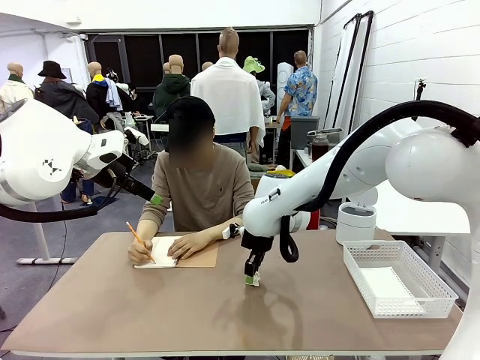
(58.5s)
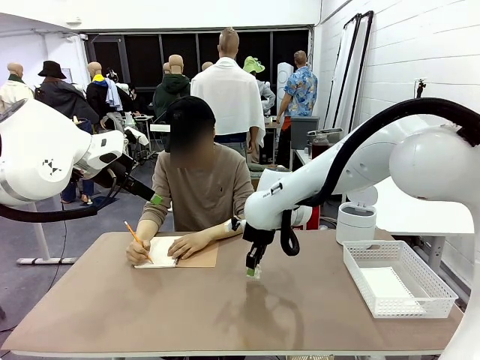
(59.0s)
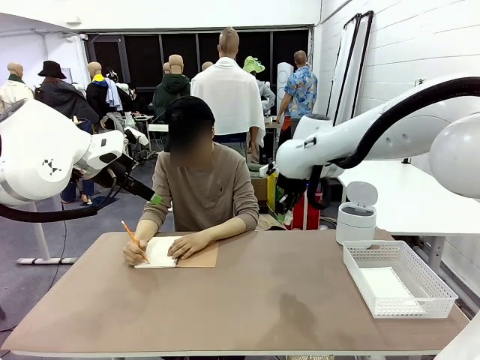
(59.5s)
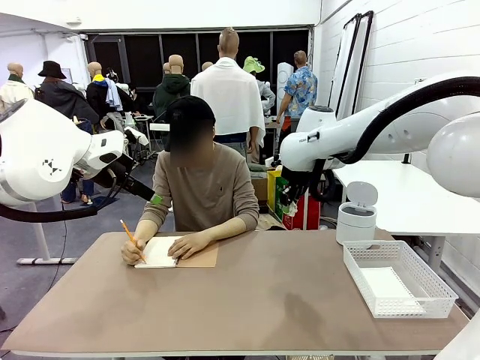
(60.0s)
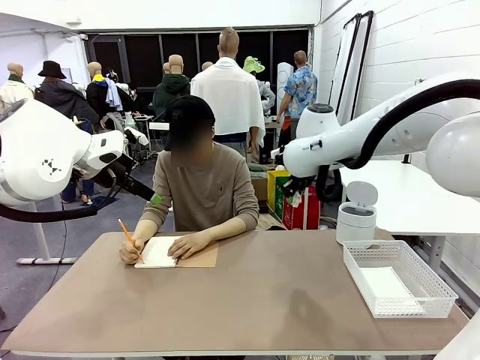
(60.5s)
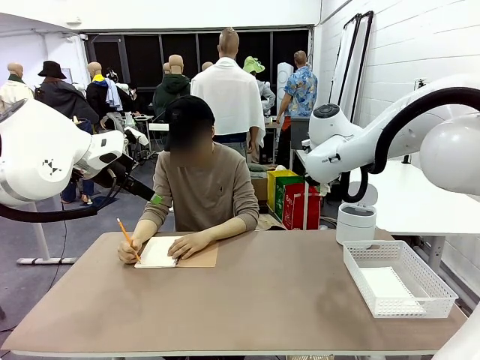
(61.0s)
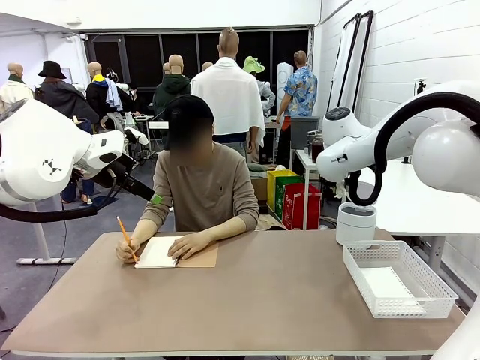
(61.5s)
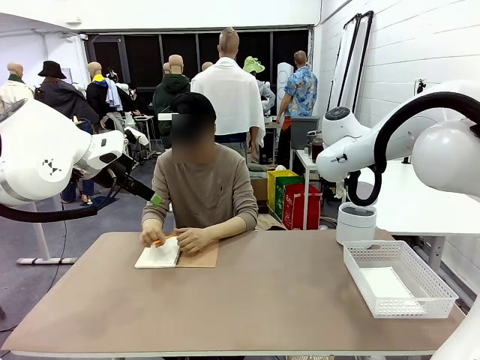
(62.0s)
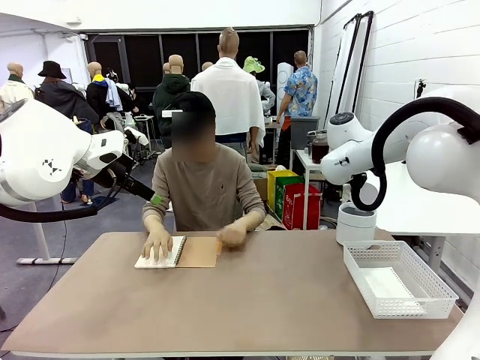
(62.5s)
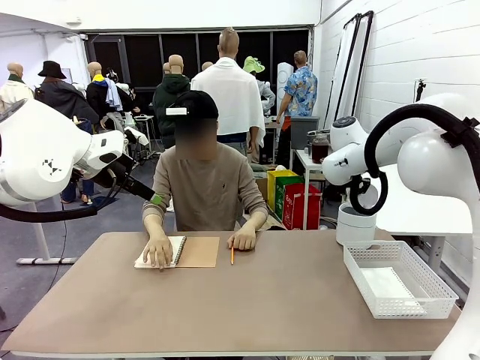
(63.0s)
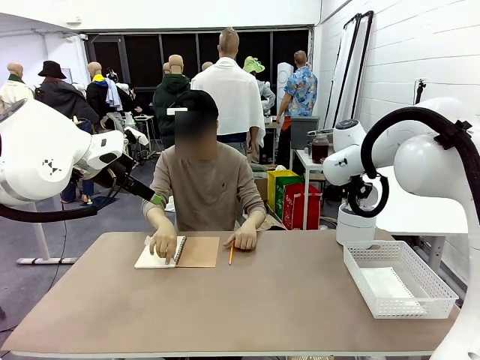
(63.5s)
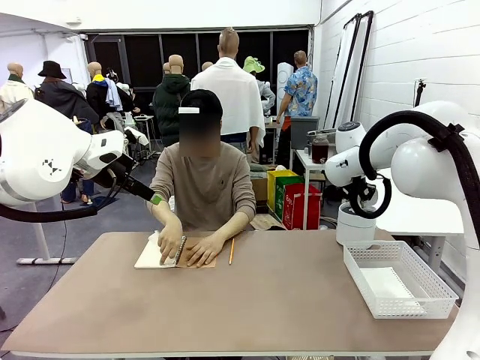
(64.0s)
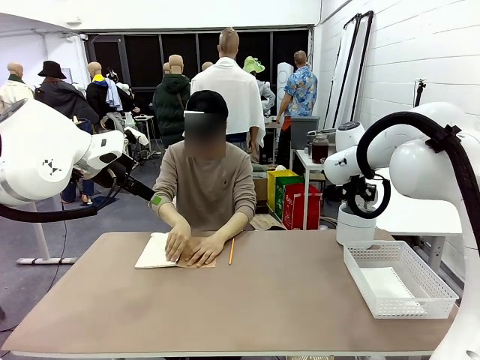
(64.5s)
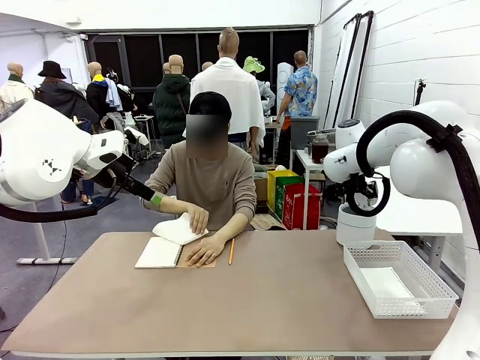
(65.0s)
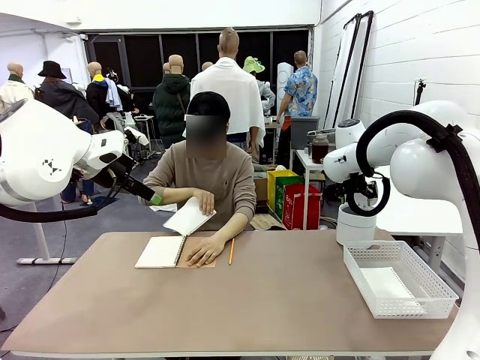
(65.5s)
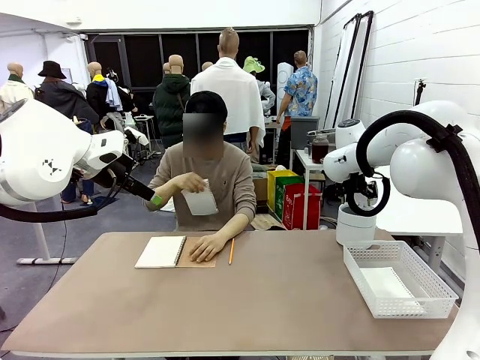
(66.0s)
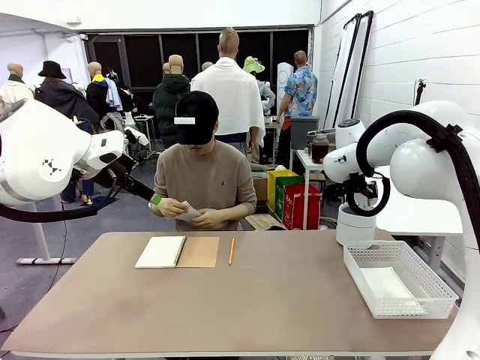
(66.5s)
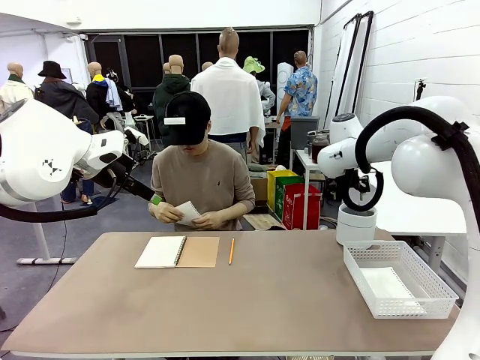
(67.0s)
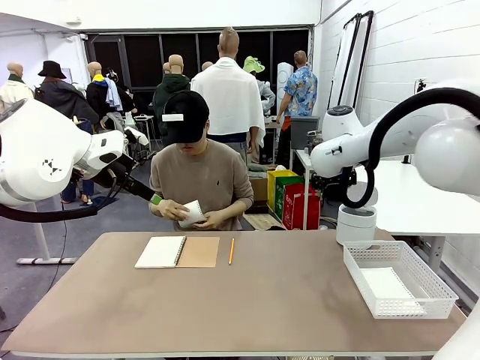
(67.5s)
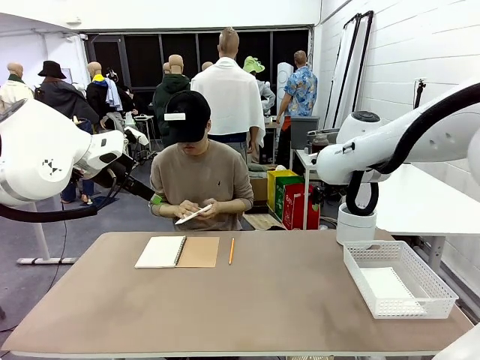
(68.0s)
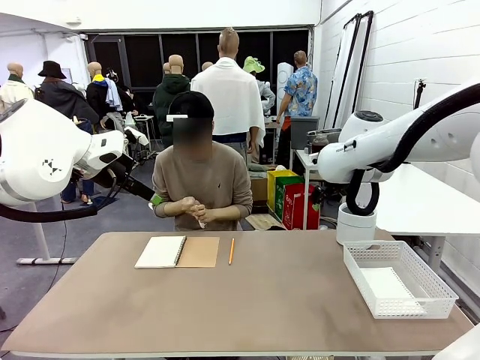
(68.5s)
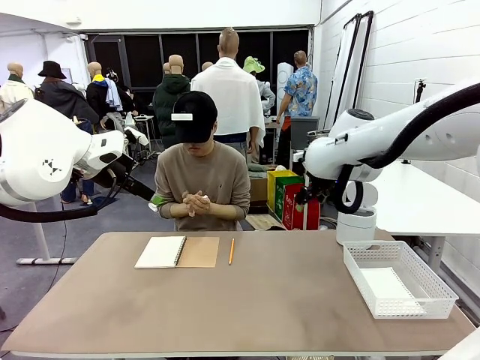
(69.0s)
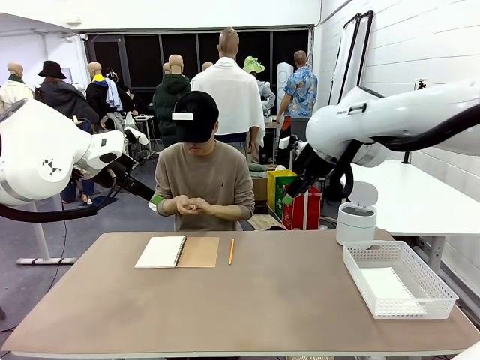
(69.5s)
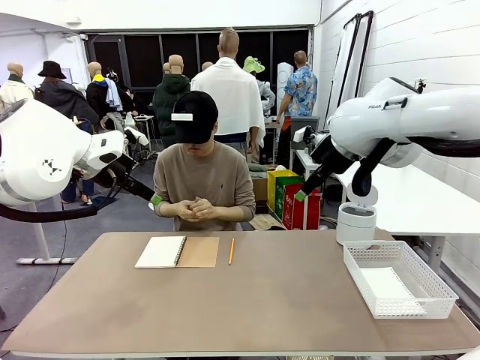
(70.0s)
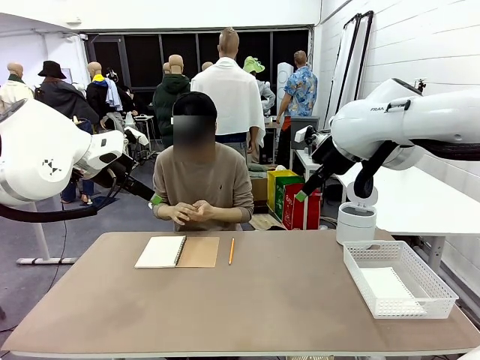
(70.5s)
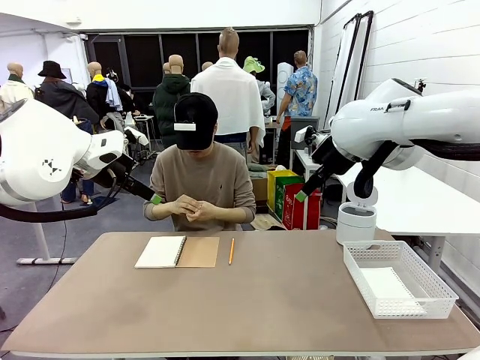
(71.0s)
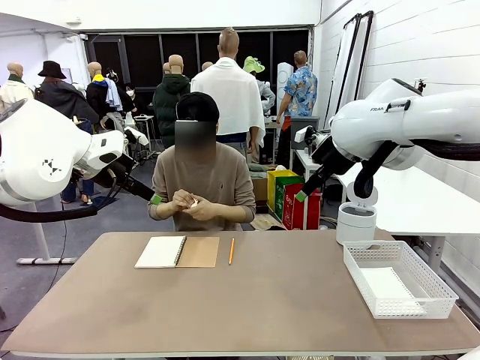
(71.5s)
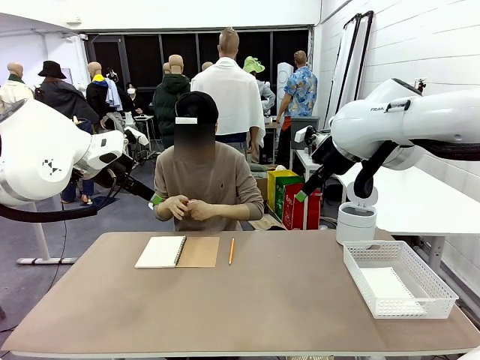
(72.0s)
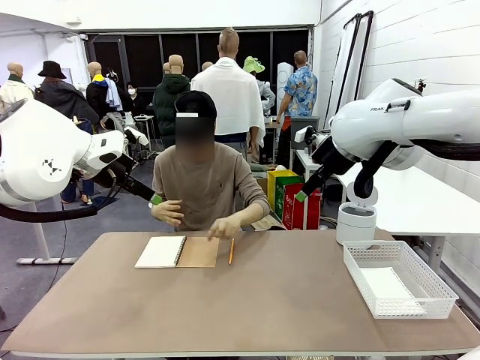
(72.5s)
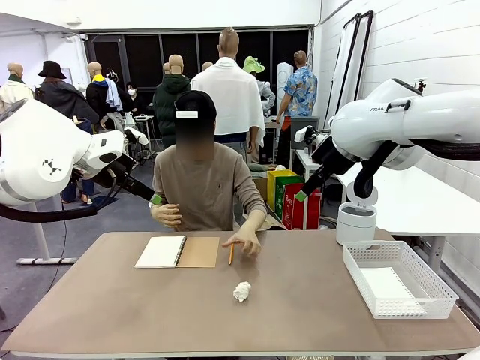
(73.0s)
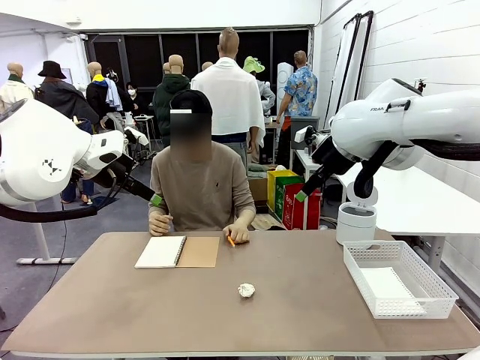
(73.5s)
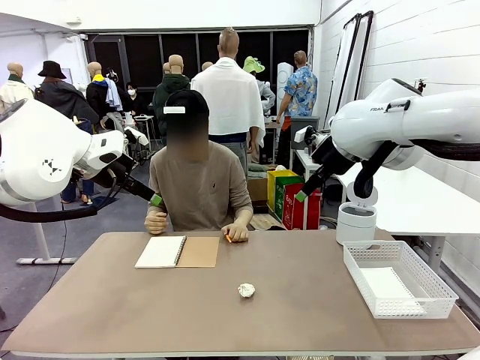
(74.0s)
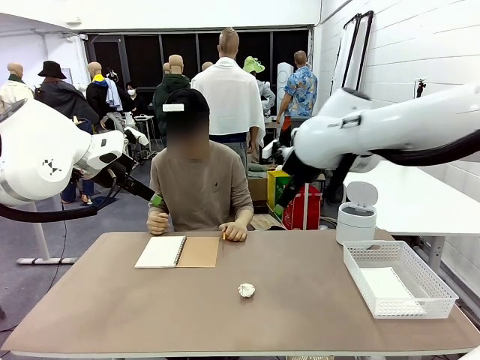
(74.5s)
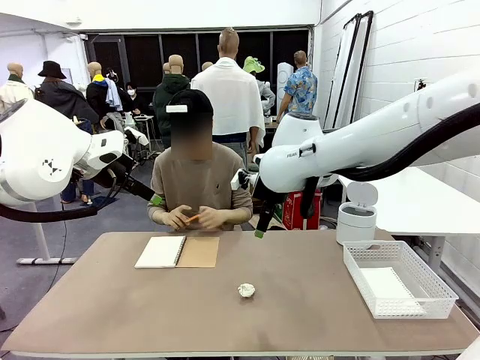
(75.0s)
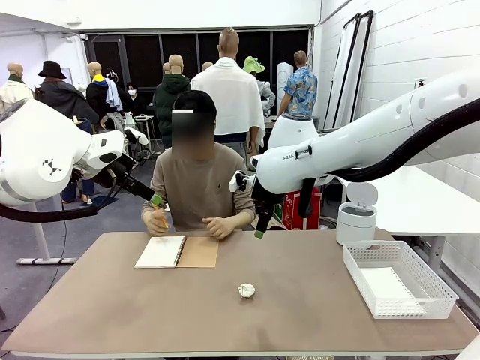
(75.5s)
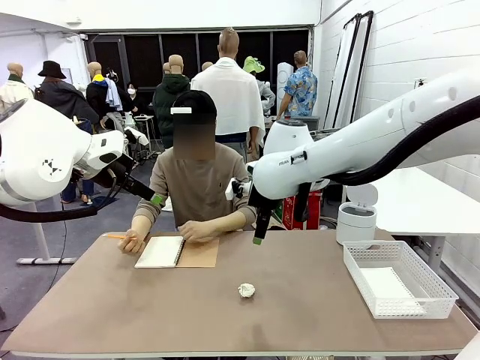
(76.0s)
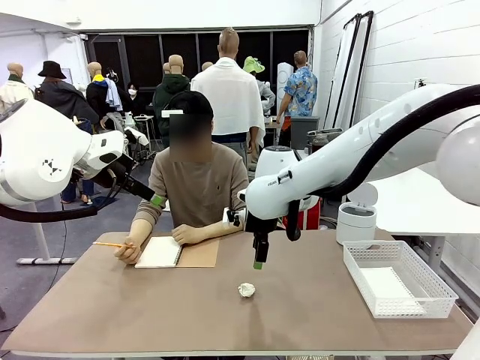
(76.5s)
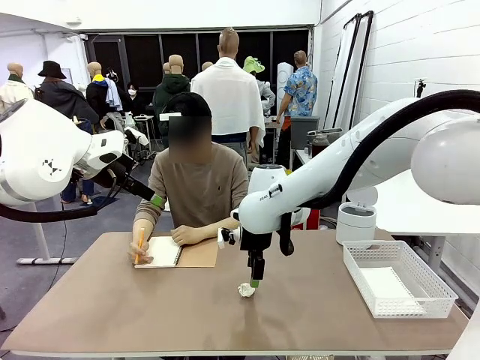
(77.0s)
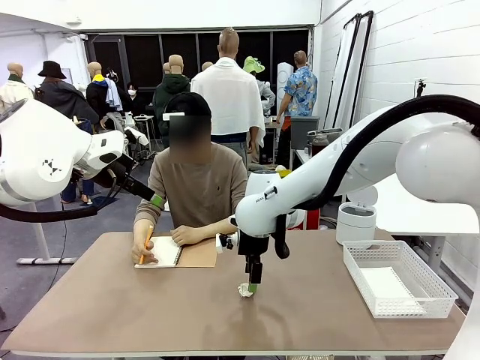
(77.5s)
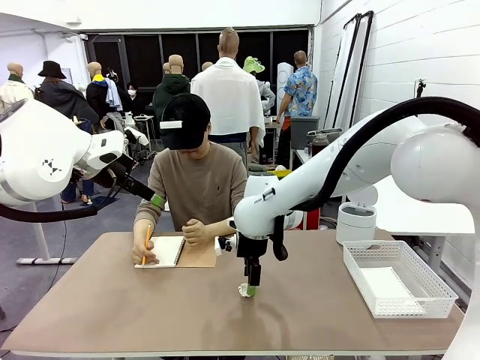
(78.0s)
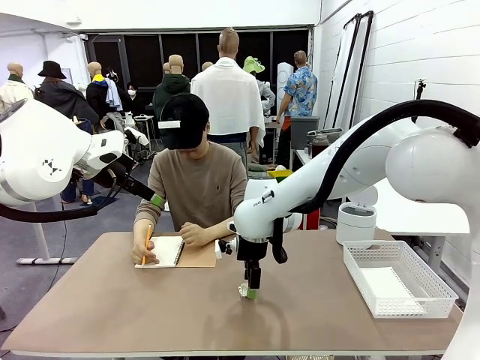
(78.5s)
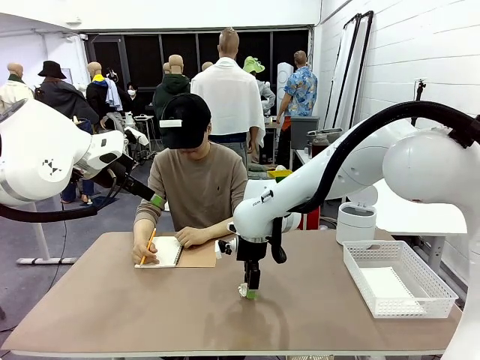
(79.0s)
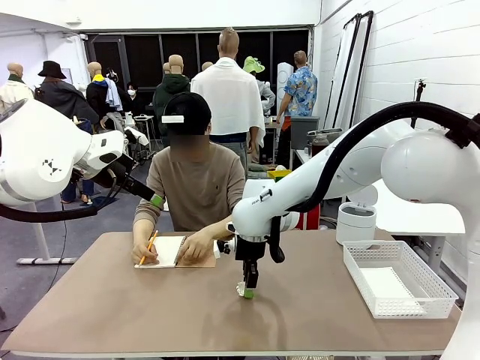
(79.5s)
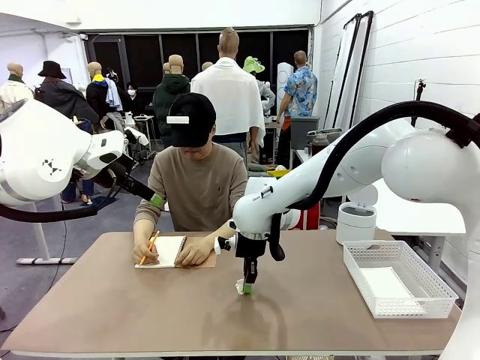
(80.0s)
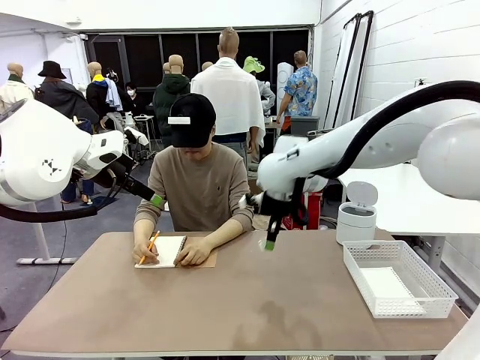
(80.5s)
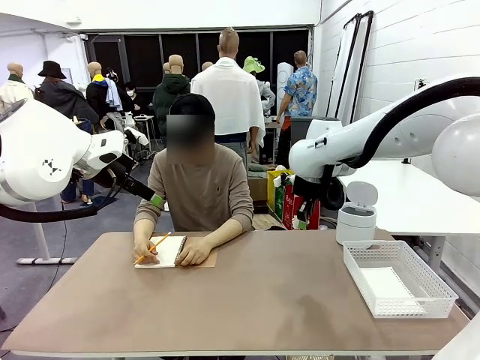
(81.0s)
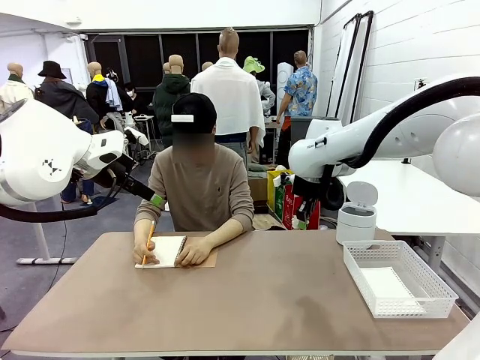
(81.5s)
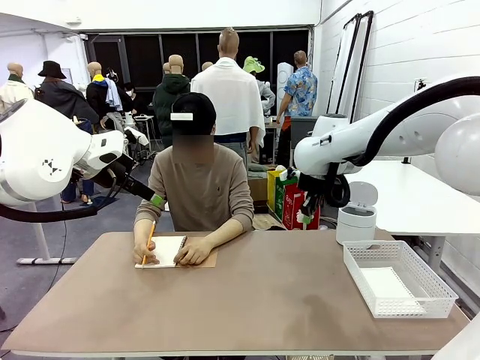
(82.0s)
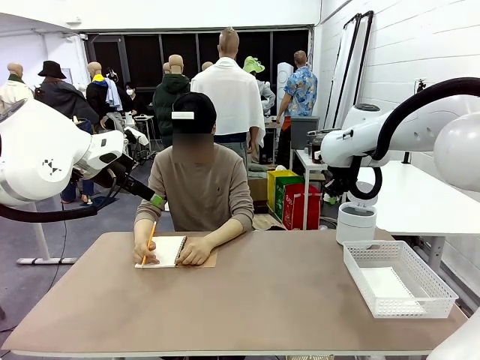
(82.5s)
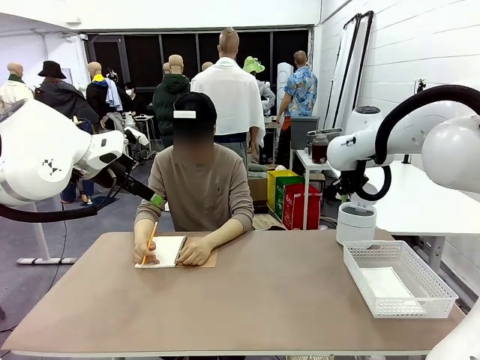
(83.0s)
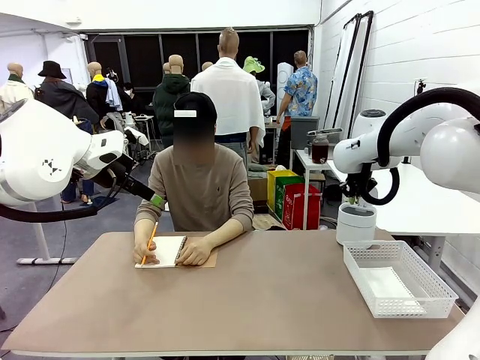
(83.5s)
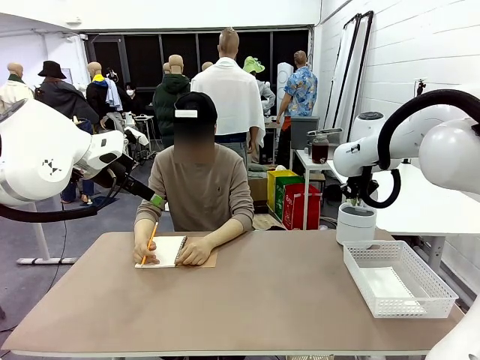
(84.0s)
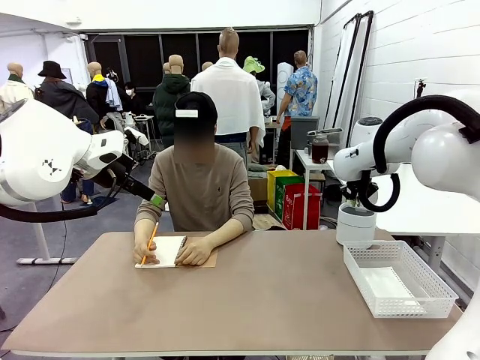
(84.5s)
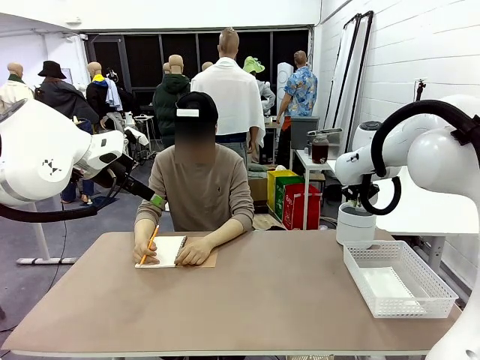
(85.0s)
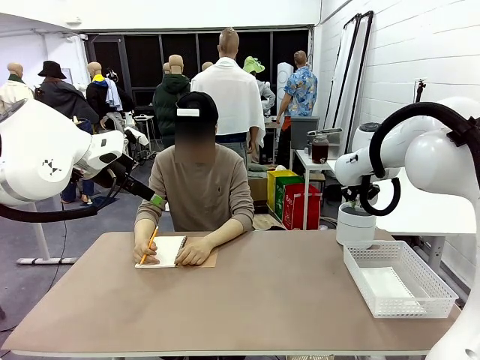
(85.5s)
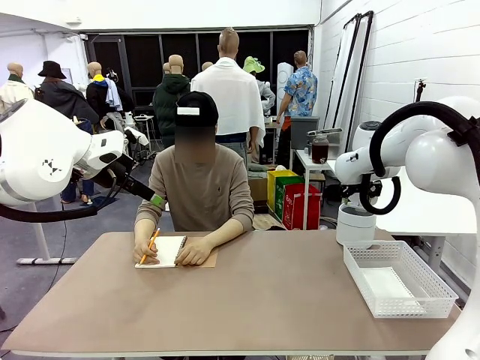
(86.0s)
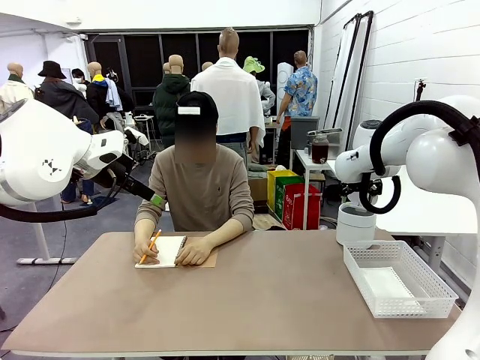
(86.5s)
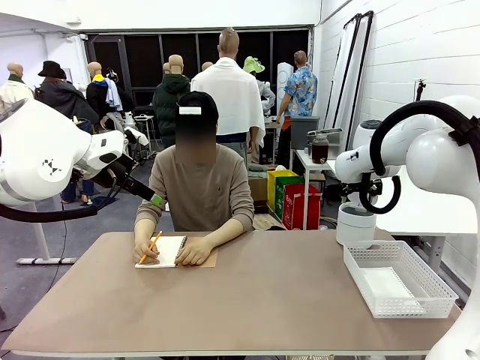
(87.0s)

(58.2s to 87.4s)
Task: Sort the paper based on its condition.
Robot: If a person hands you a paper, place it in the Organizing basket , and if it's crumpled, put it in the Trash can.
Person: Tear out a page from the spiral notebook. Hand the torn page to the robot or crumple it and throw it to the center of the table.
